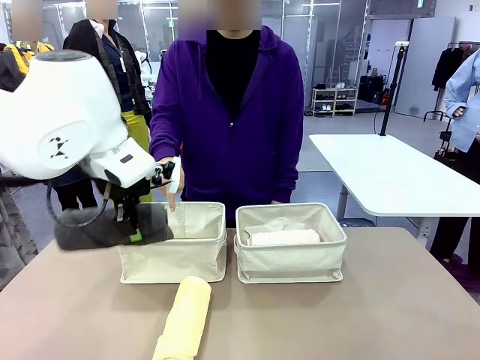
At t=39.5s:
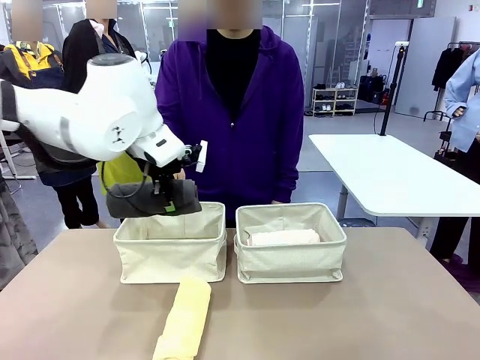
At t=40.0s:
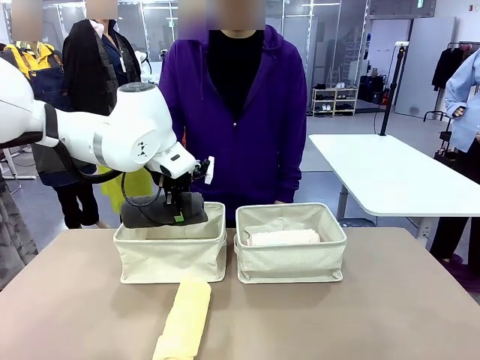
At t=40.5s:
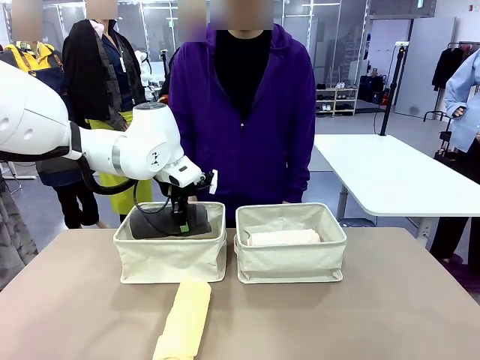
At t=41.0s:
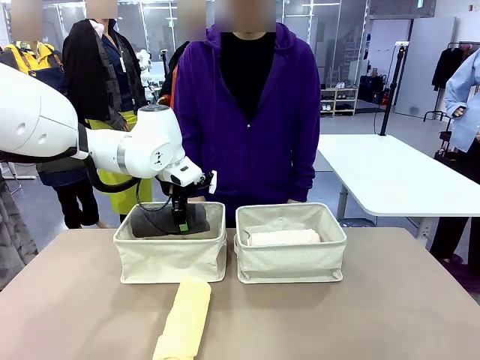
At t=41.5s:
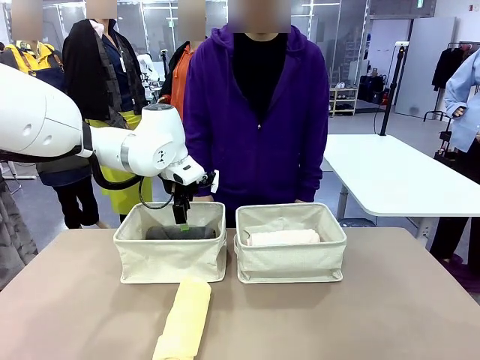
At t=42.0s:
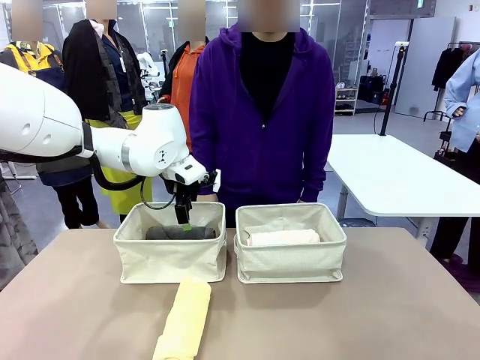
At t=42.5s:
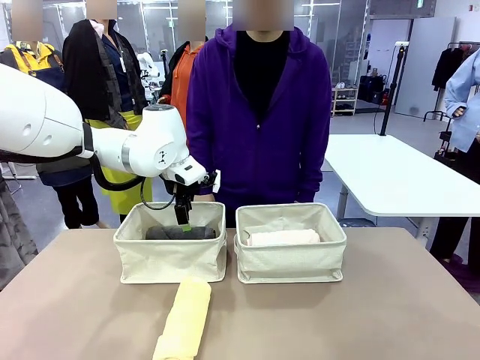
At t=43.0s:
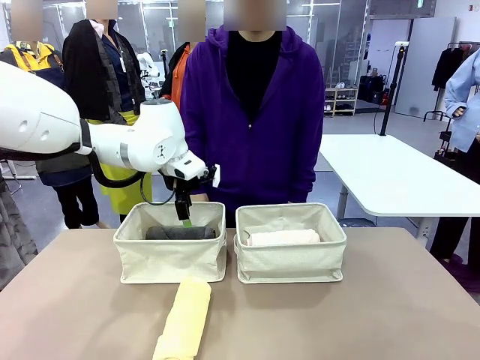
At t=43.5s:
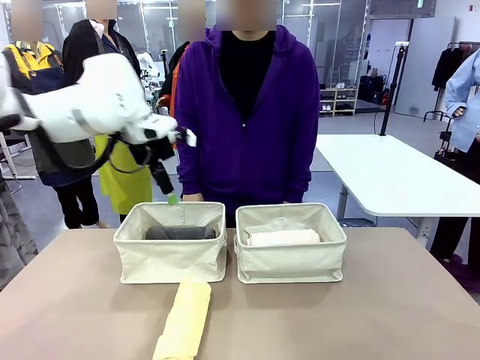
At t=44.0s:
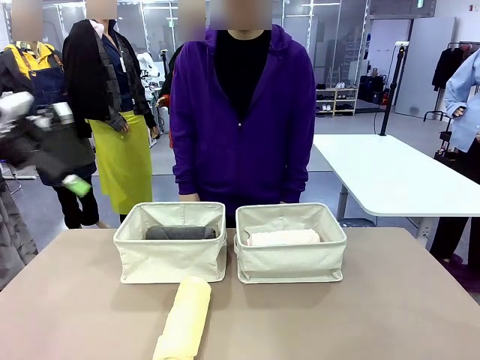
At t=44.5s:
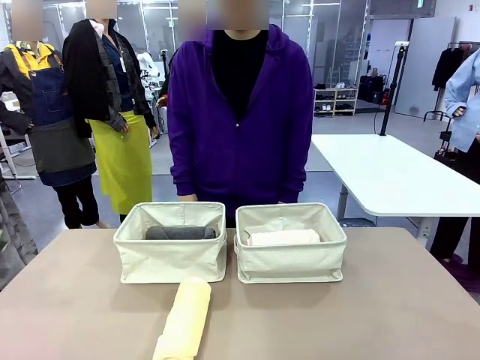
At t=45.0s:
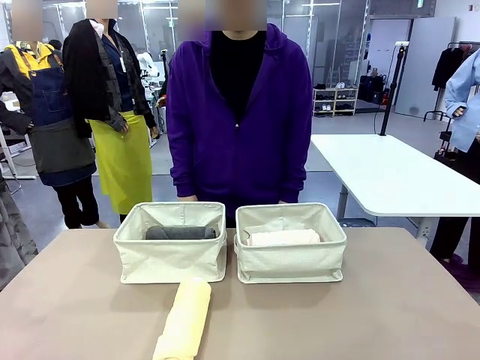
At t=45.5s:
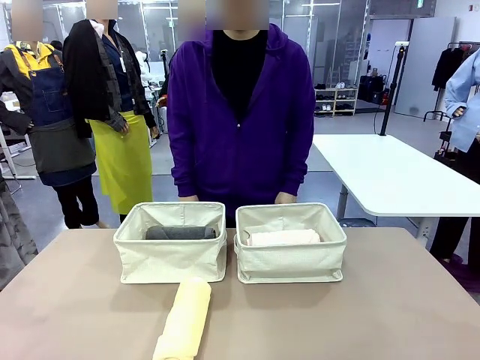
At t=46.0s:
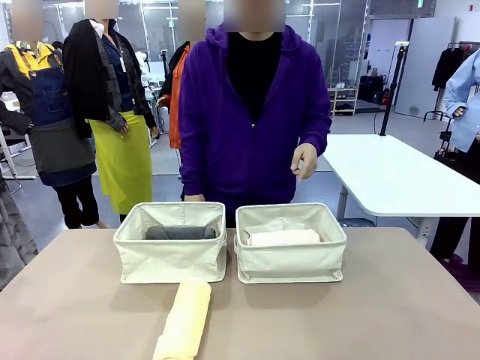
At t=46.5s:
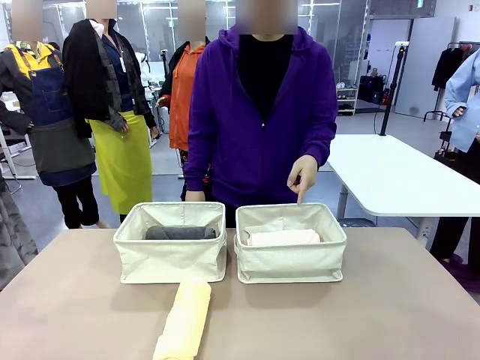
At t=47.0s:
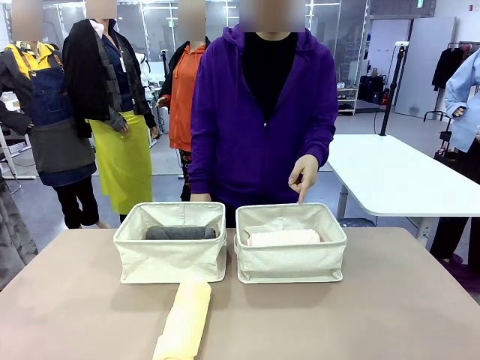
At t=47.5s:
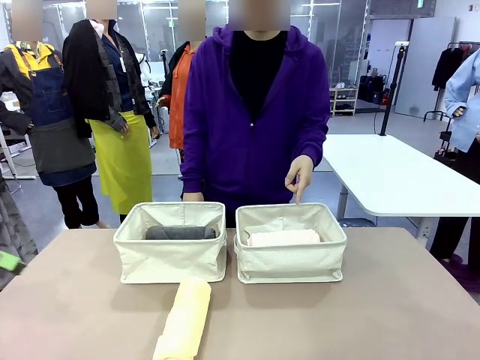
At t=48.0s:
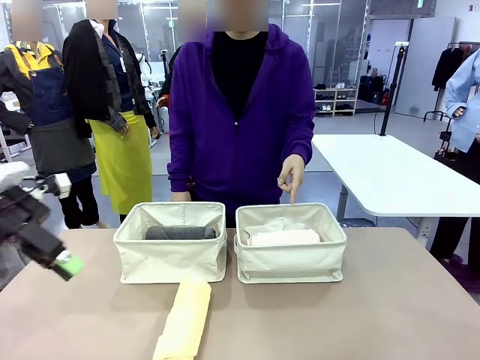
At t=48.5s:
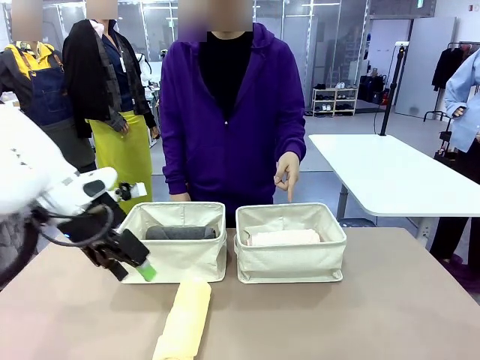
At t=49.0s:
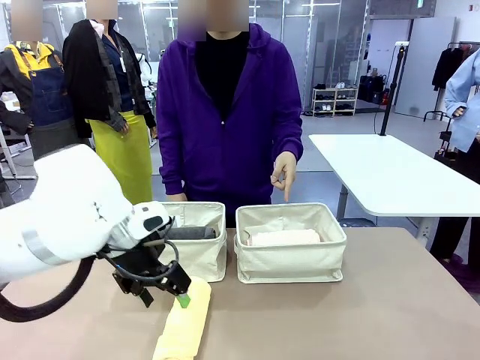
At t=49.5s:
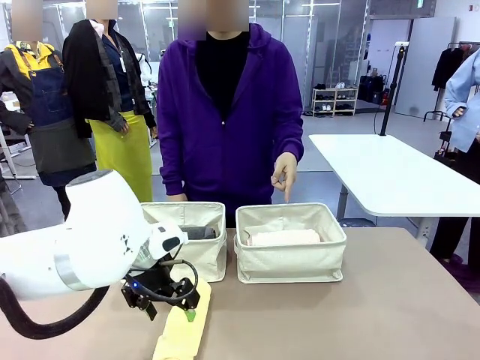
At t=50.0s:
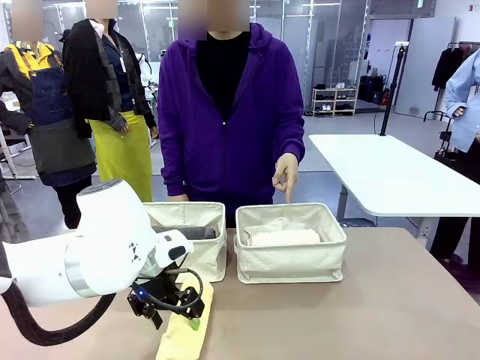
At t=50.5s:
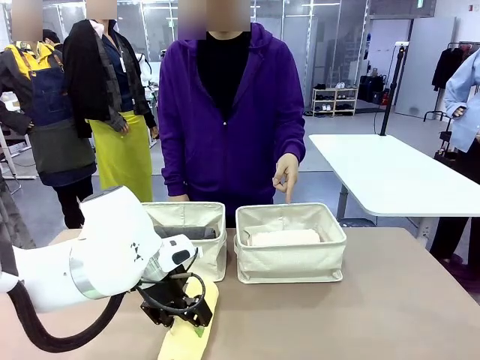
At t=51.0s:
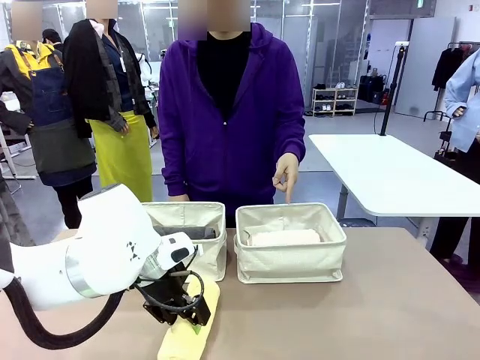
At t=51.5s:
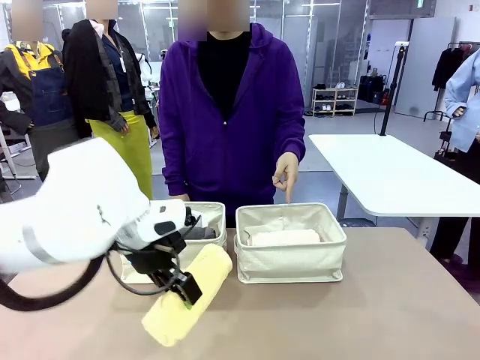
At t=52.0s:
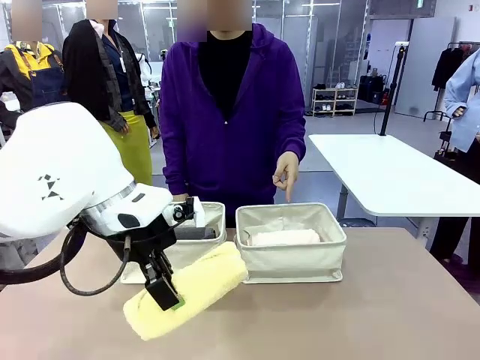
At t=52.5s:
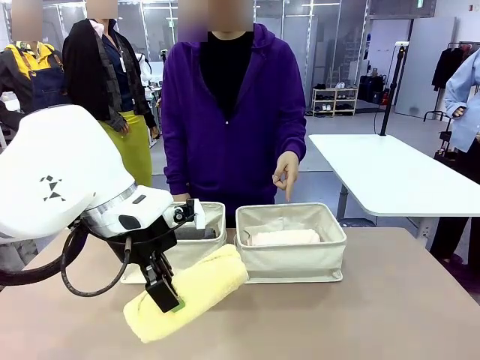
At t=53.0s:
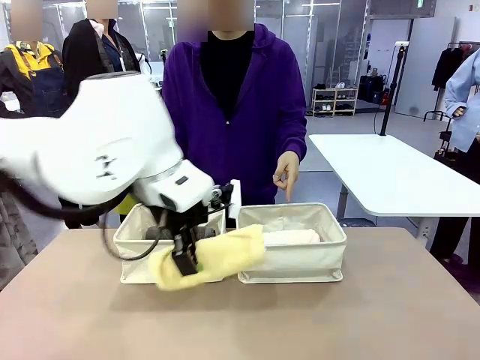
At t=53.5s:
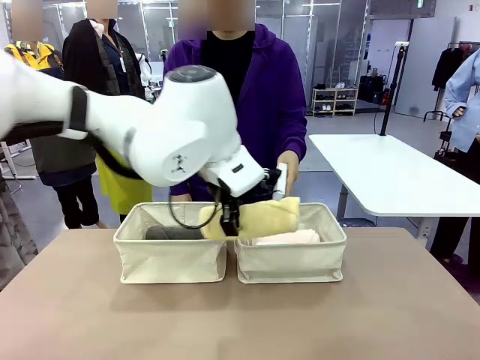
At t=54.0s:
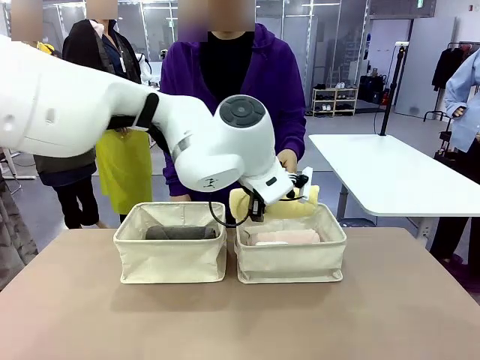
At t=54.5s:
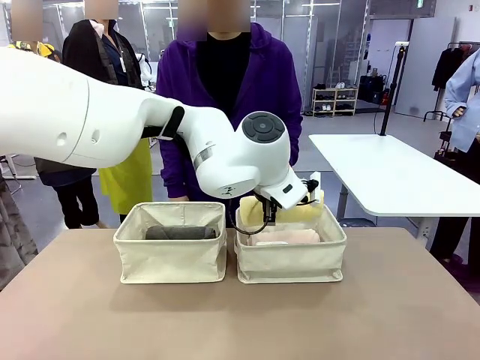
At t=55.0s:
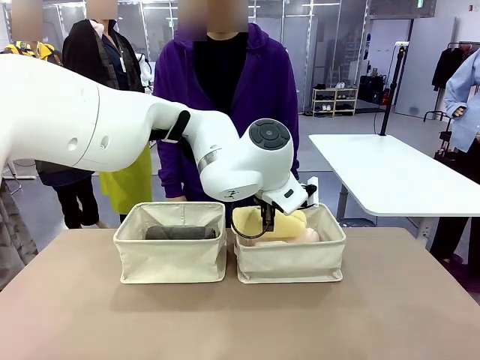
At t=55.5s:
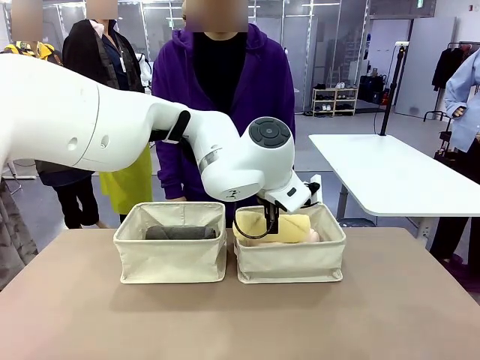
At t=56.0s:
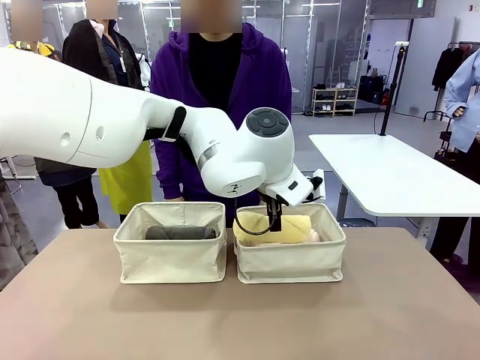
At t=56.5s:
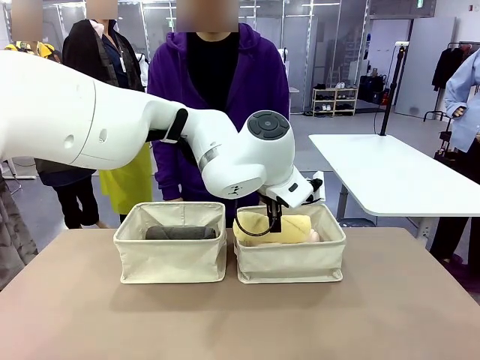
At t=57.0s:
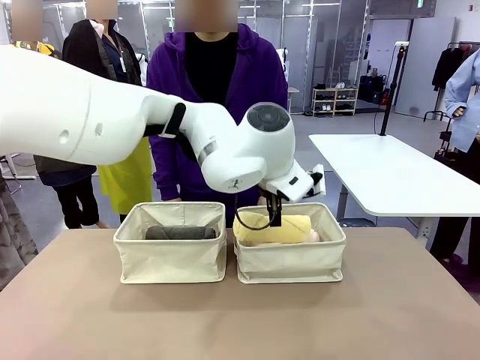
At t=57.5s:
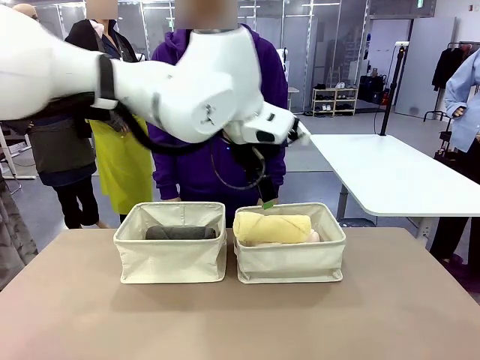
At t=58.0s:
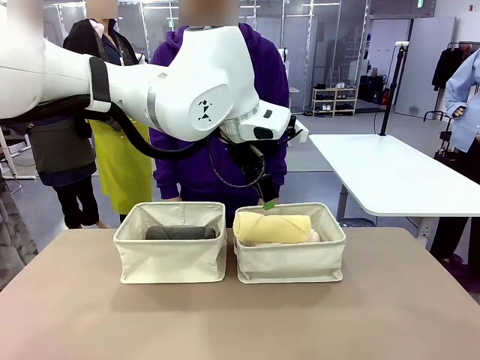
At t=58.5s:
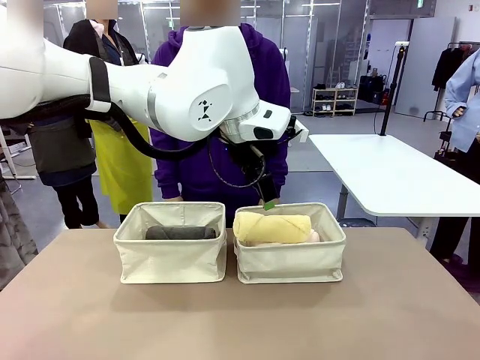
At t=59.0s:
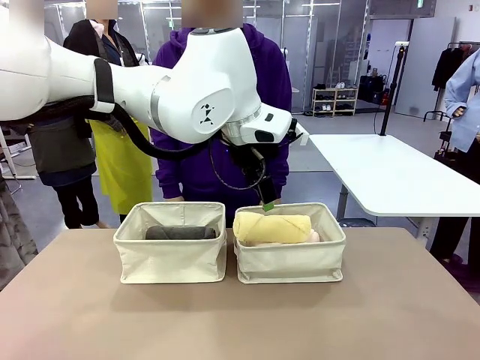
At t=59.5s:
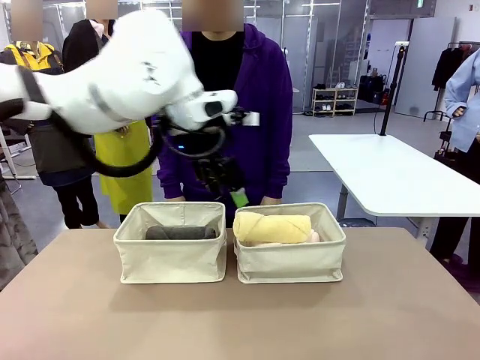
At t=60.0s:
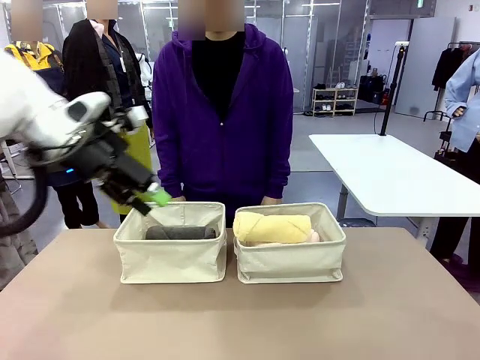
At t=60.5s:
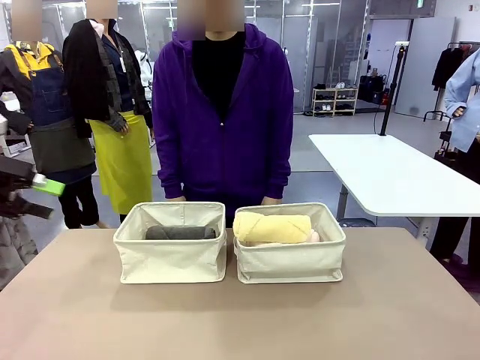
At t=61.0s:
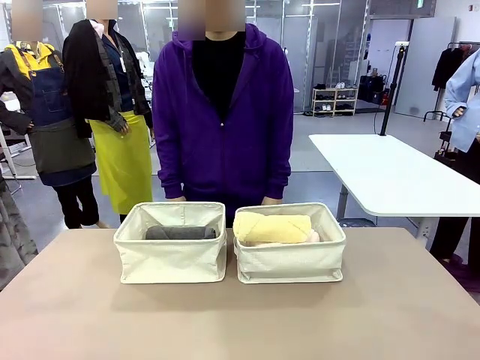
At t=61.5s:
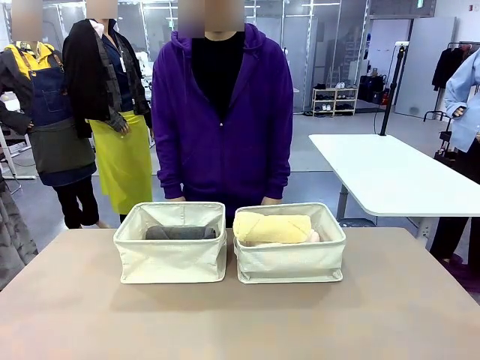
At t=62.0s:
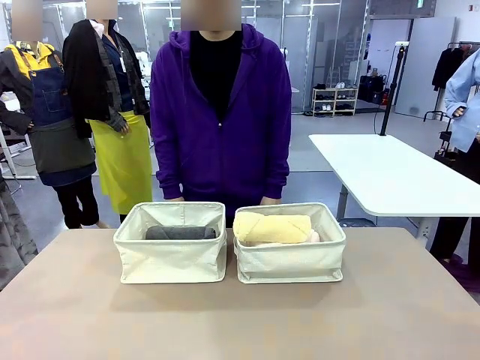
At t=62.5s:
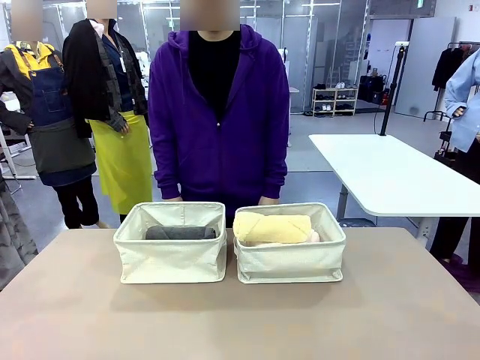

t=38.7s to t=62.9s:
Task: Divide the towels into two baskets.
Robot: Pick up one hotel-folded towel from the bottom of the table and place it in the Fabric basket indicated by the person.
